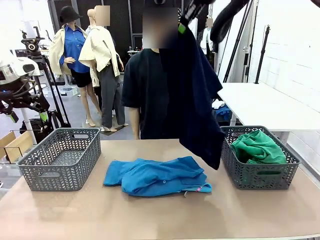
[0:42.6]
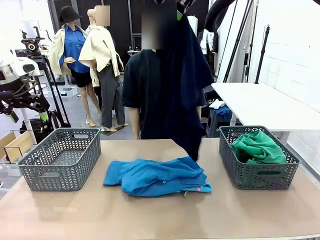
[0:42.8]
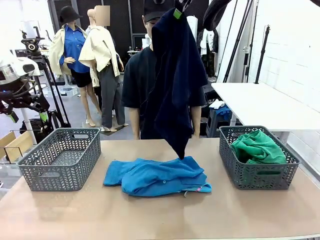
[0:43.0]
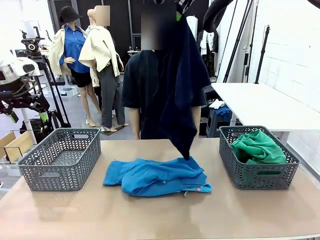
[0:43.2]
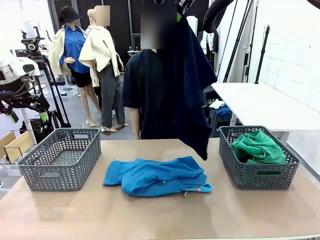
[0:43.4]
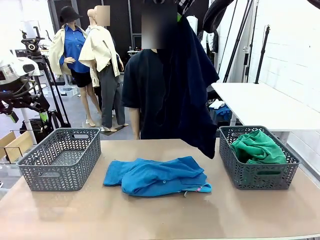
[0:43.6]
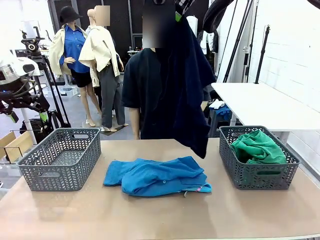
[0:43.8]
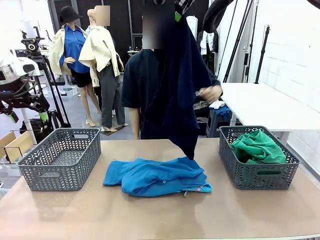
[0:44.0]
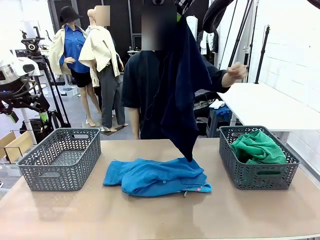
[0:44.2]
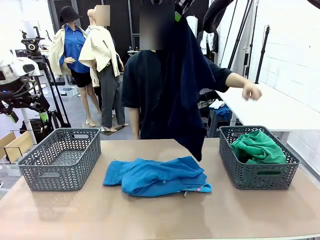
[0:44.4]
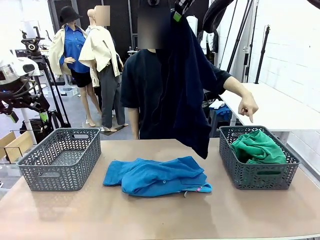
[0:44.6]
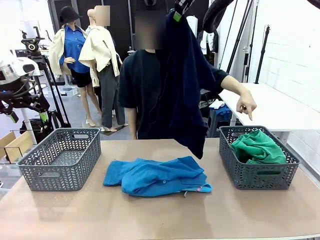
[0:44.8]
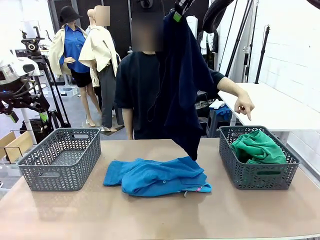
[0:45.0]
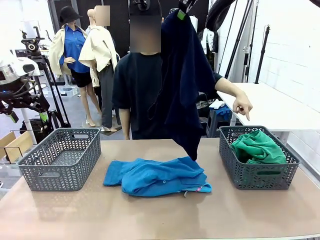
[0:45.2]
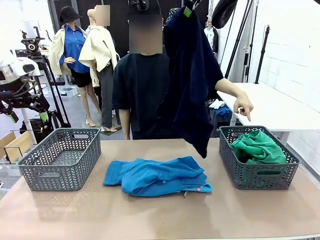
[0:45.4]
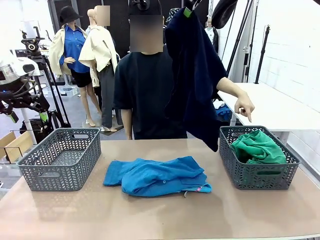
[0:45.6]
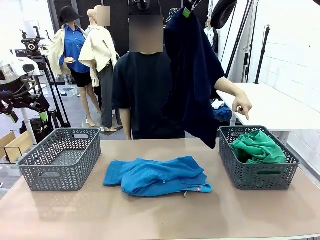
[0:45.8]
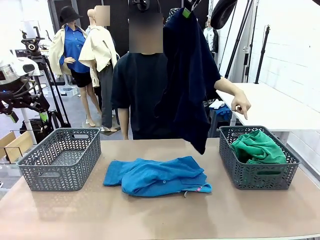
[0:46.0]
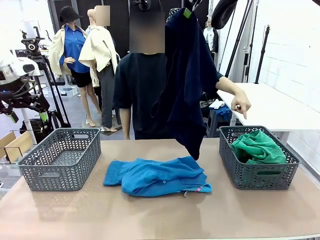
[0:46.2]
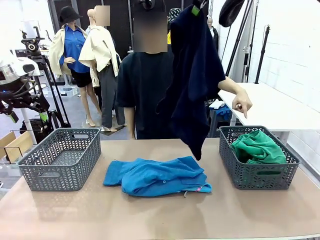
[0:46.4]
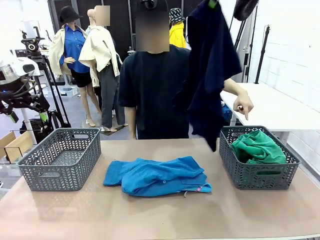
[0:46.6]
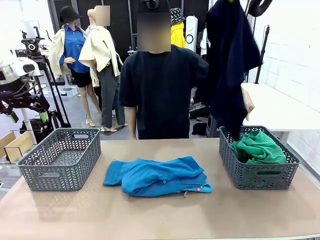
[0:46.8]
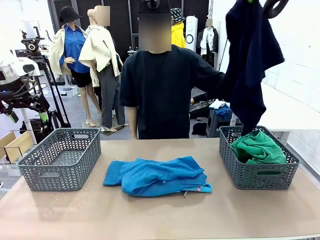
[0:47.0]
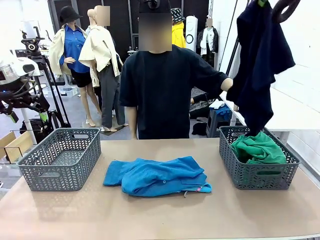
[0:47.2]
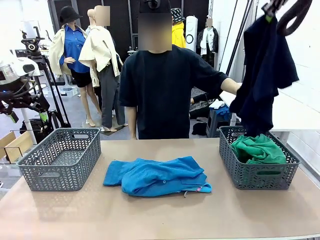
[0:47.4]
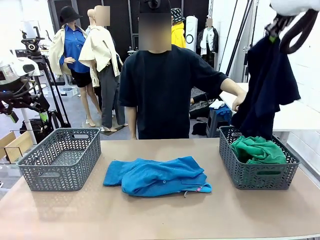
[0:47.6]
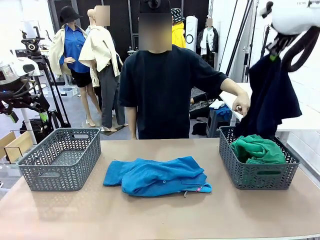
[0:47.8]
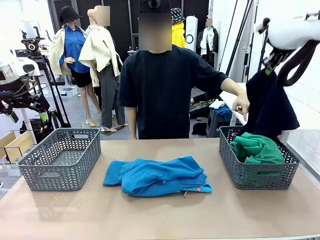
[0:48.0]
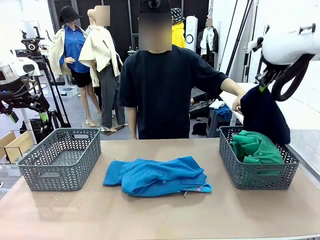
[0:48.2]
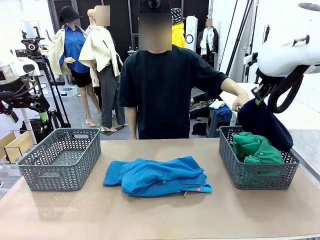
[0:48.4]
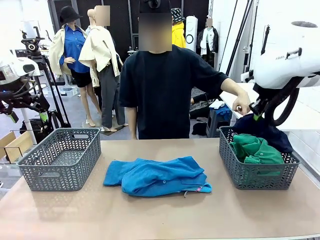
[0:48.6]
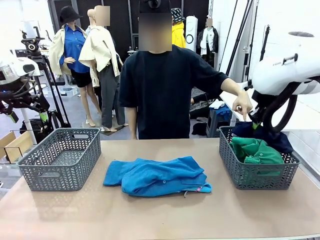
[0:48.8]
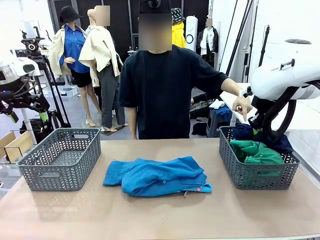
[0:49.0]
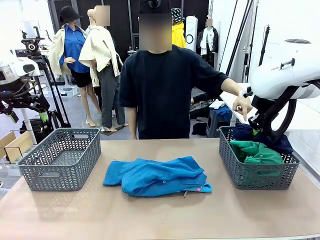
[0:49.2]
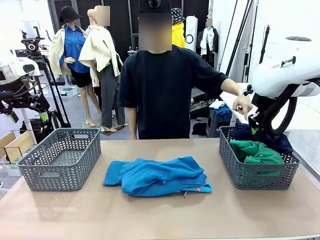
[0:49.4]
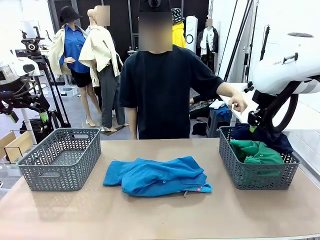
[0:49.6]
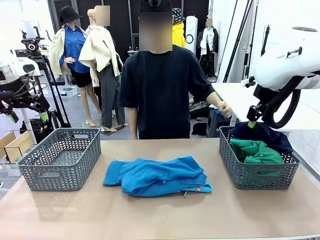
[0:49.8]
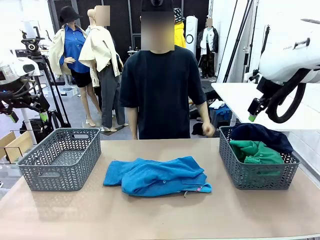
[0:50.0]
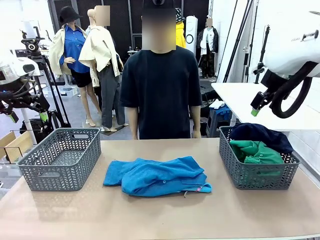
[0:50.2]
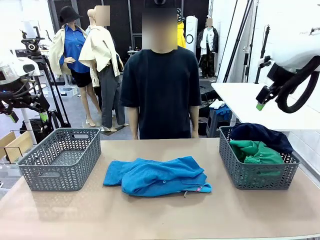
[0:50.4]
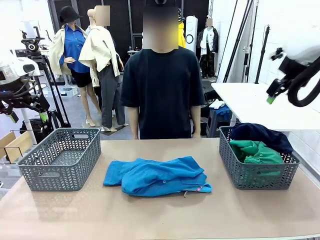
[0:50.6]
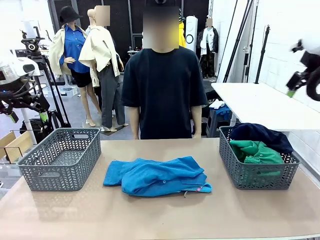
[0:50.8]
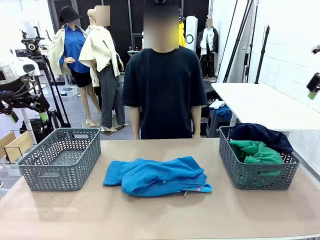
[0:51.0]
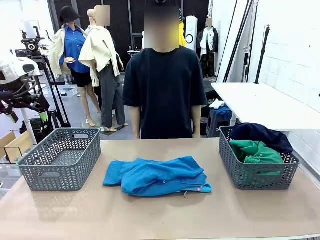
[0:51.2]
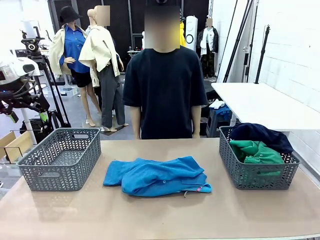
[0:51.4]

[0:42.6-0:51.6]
Task: Sort the tops and bottoms.
Robot: Sort the clothes according to human instructions.

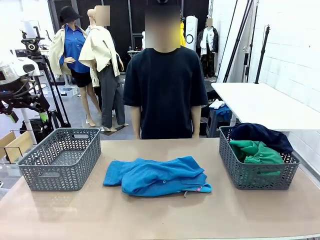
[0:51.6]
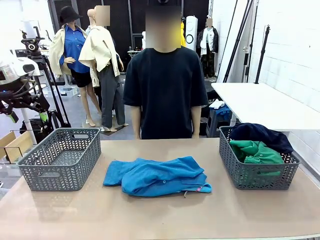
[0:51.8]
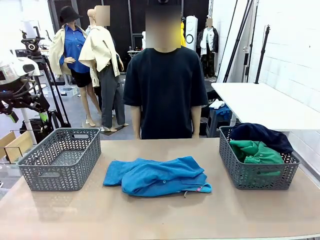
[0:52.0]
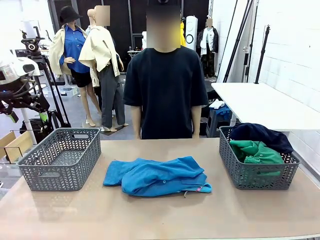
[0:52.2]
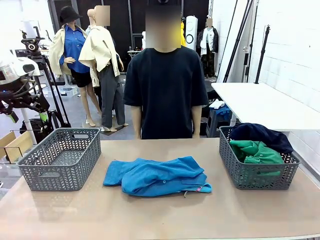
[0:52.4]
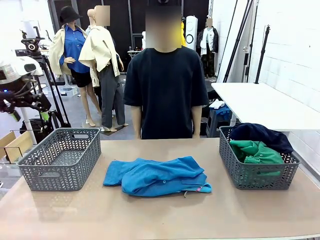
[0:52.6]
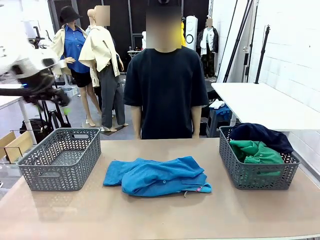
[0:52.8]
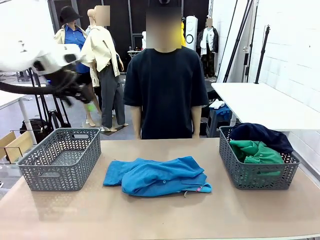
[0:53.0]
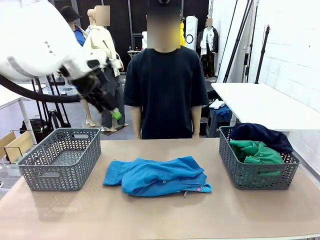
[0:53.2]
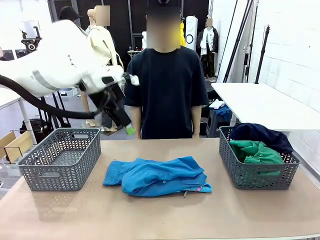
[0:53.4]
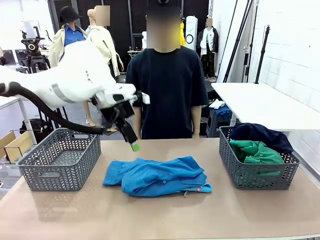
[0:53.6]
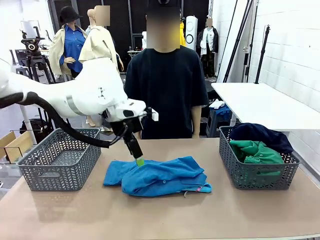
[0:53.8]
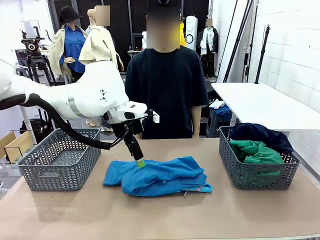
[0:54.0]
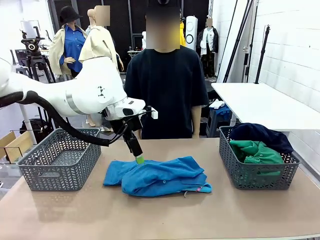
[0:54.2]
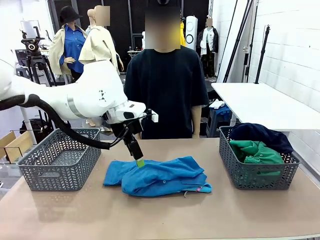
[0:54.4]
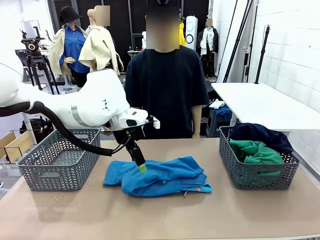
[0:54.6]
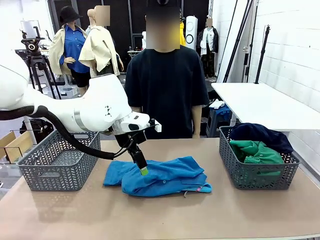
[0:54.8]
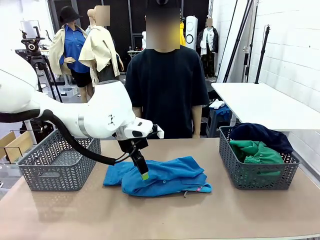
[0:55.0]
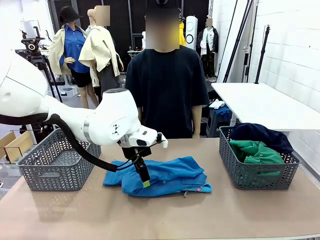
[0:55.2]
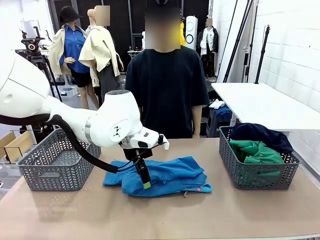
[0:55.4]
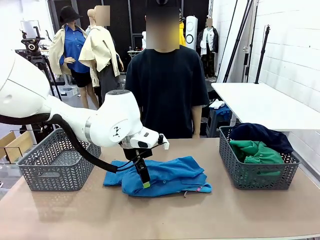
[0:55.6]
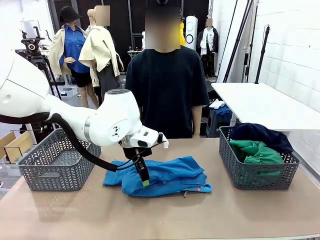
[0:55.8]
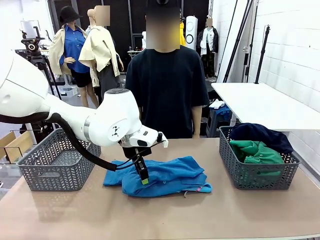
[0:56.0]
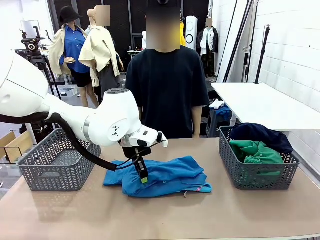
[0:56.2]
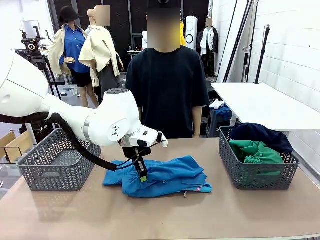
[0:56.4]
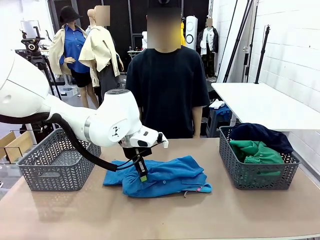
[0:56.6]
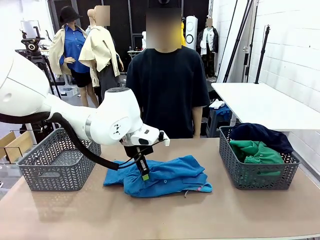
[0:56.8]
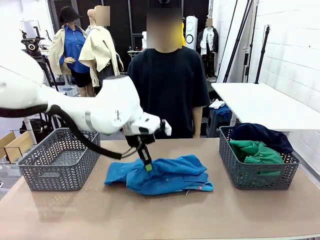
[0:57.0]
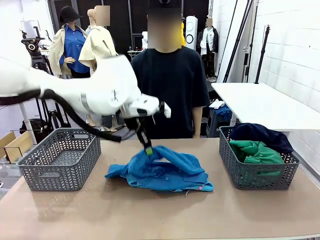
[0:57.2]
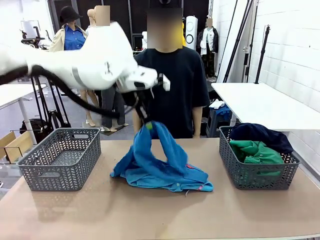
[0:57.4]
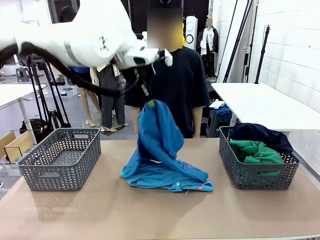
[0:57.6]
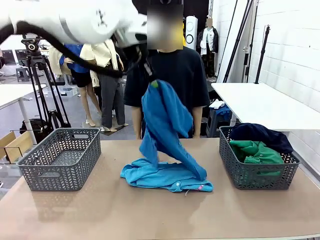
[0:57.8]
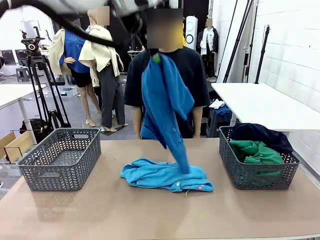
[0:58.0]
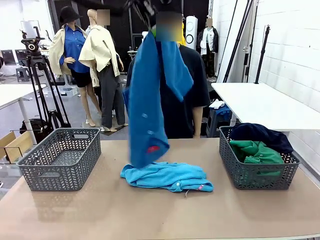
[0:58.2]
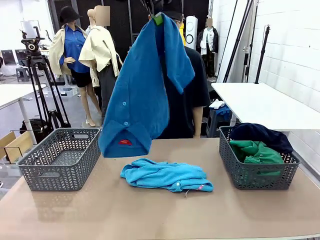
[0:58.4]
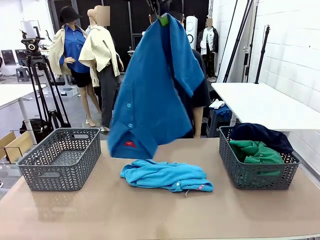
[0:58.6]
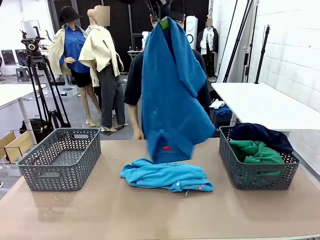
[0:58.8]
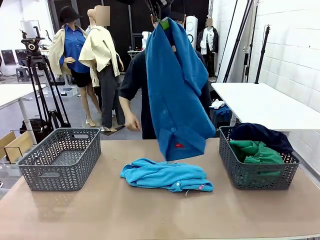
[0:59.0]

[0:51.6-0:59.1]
Robot: Lift clothes from the center of the table with your left hand.

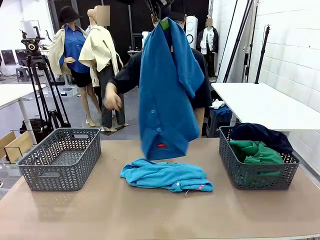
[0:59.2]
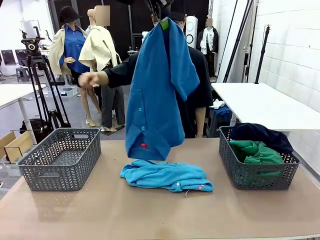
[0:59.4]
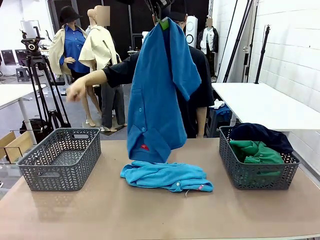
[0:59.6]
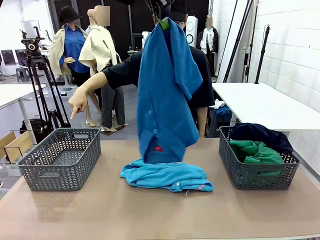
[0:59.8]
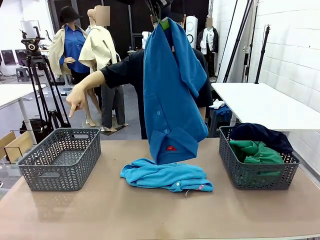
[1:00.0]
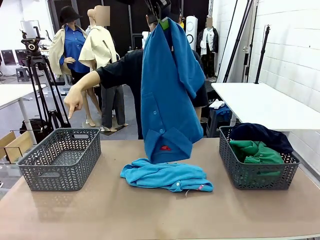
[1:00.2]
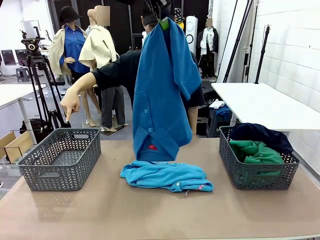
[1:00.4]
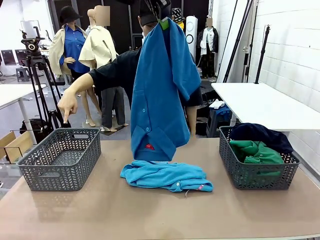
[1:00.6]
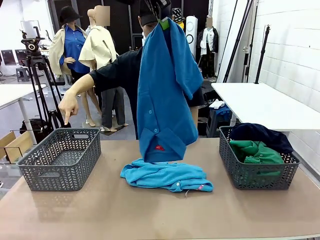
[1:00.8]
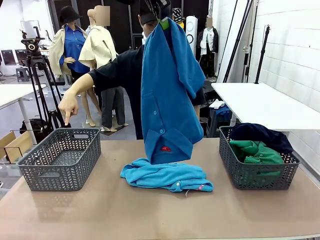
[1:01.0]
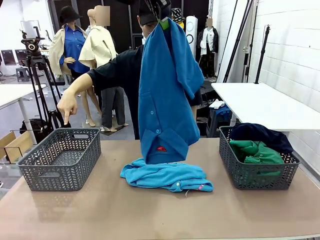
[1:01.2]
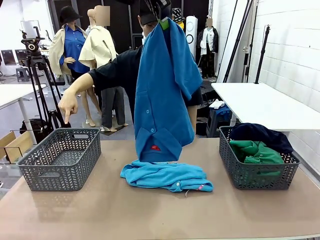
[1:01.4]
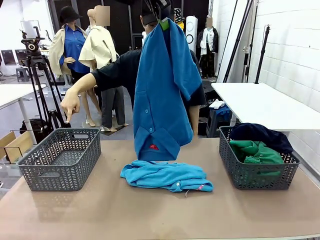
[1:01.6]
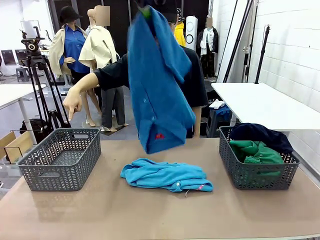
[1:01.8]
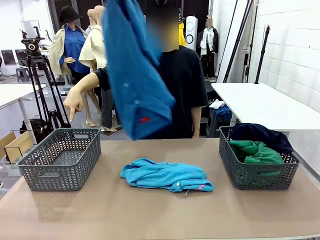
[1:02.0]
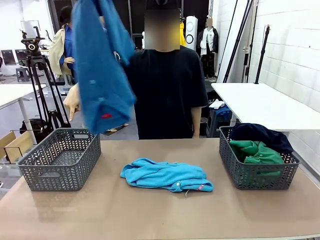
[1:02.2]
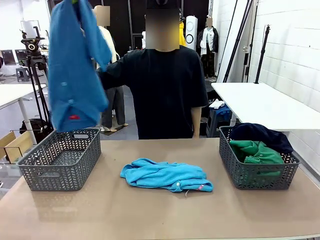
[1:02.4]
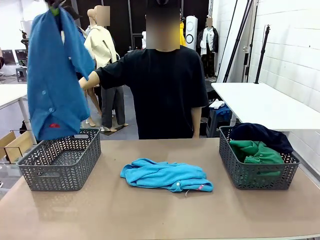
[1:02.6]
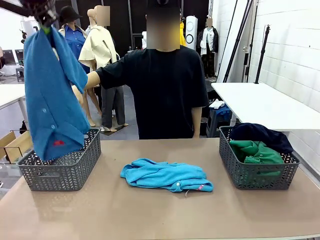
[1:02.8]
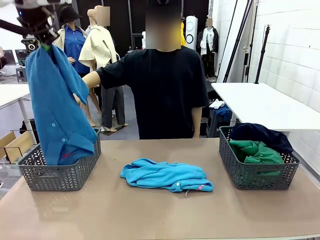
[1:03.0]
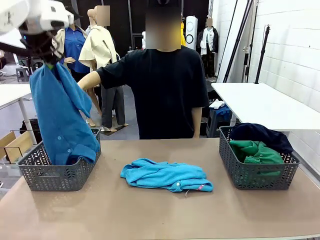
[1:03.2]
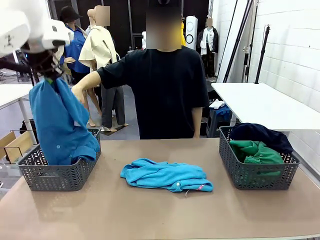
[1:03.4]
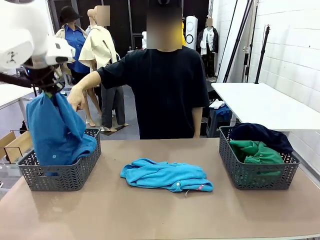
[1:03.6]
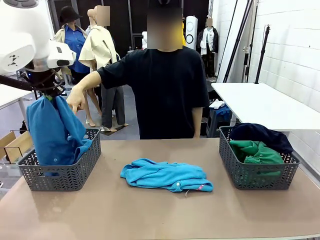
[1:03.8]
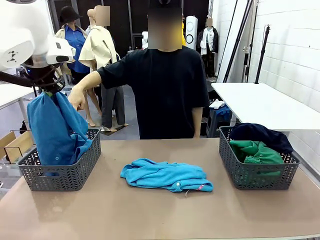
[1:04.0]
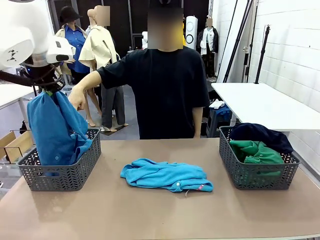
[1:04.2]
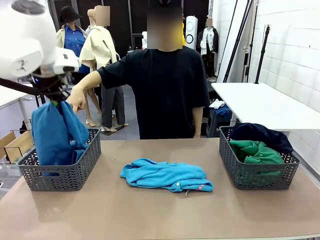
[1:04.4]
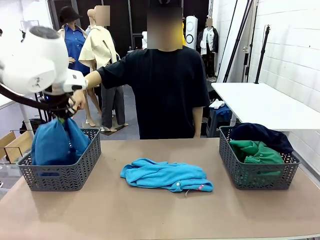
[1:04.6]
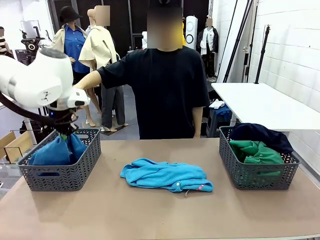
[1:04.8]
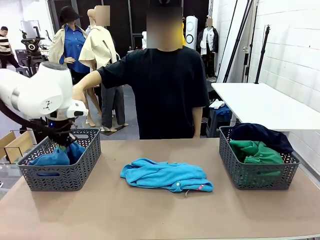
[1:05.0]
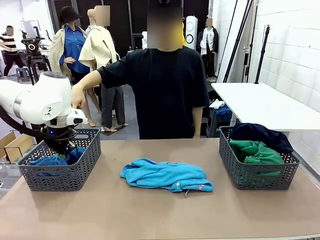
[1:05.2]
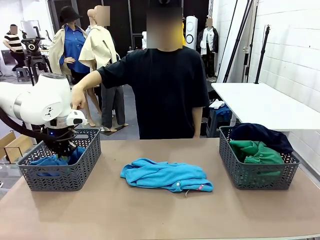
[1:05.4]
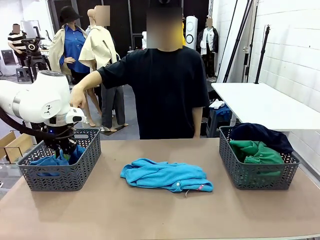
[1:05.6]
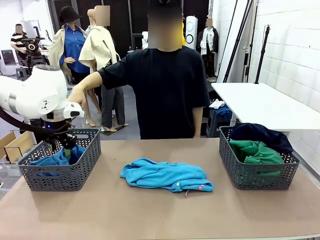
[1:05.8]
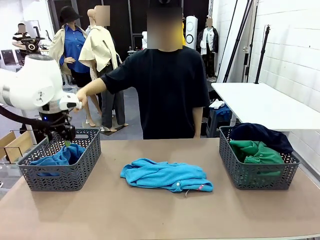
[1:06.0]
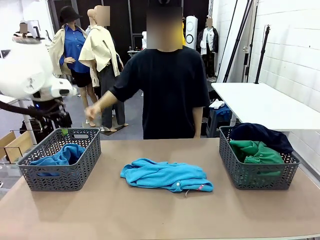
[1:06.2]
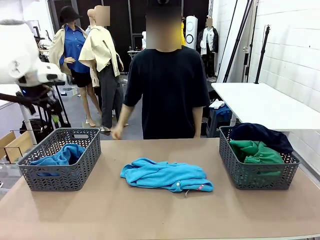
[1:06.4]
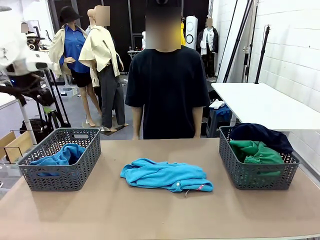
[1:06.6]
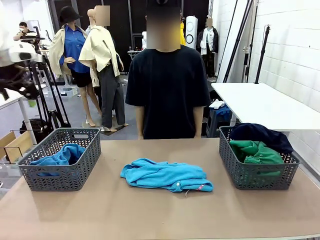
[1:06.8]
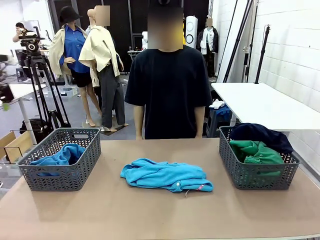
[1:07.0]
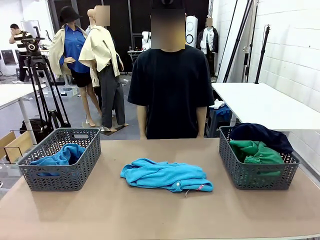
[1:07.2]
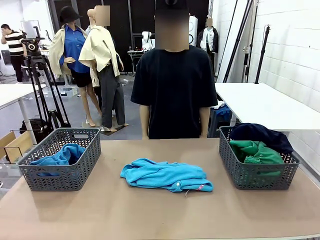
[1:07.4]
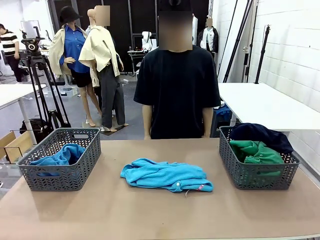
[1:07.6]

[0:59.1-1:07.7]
Robot: Sort the clothes according to human instructions.
